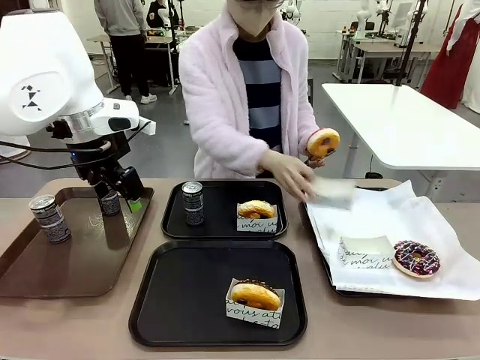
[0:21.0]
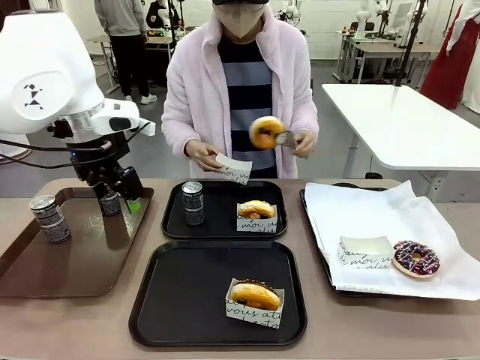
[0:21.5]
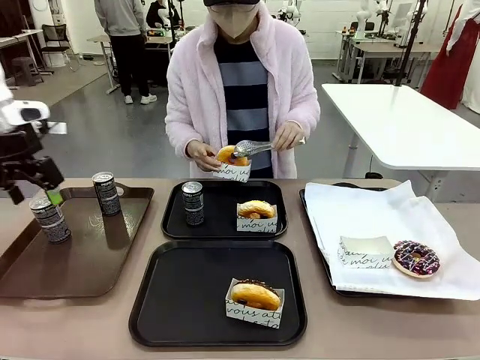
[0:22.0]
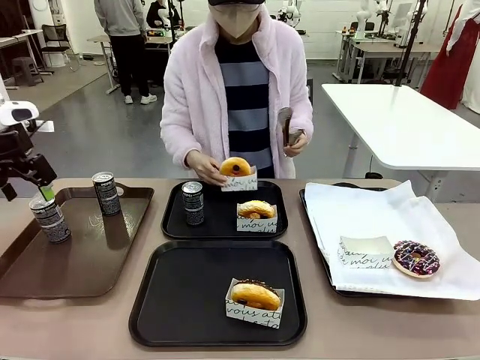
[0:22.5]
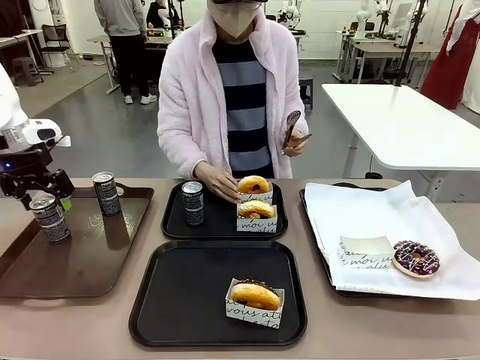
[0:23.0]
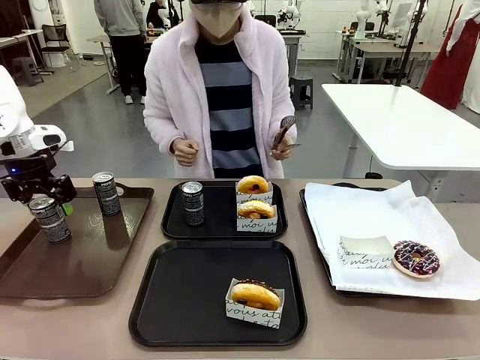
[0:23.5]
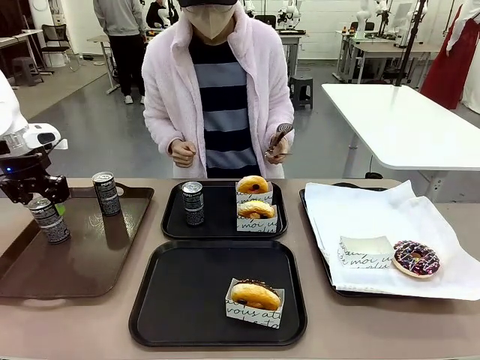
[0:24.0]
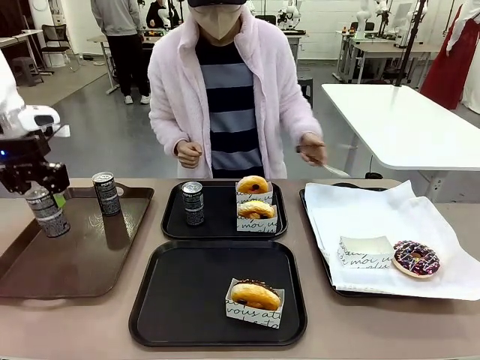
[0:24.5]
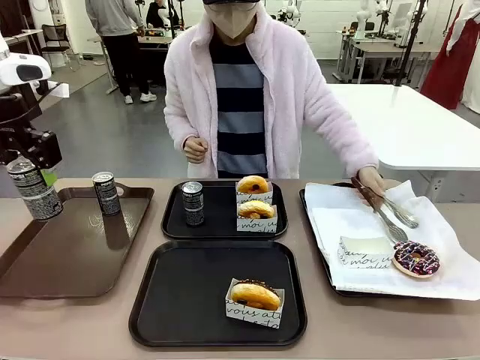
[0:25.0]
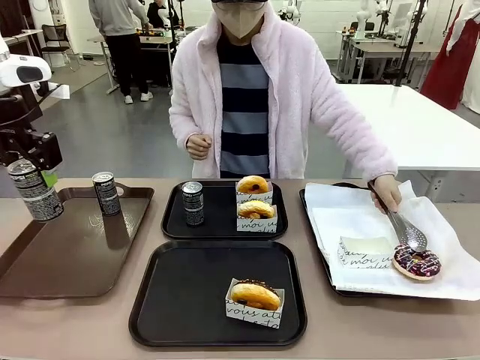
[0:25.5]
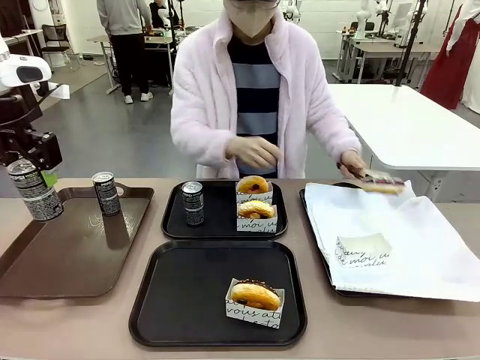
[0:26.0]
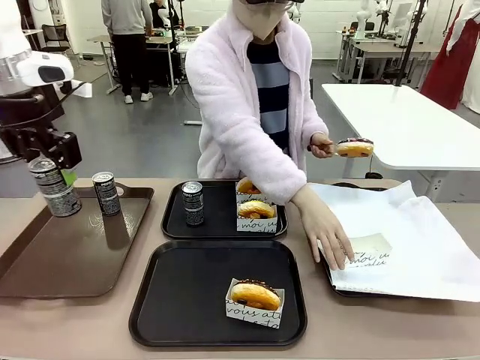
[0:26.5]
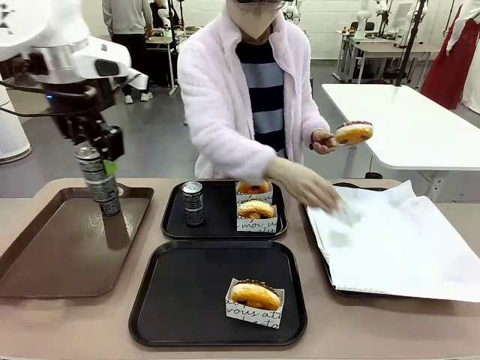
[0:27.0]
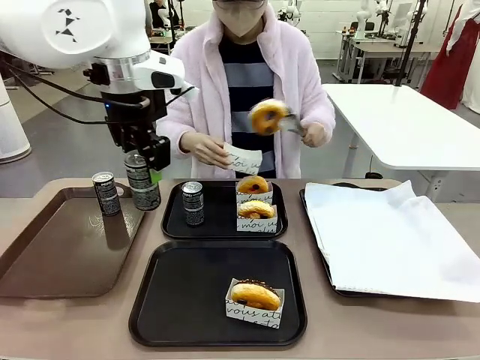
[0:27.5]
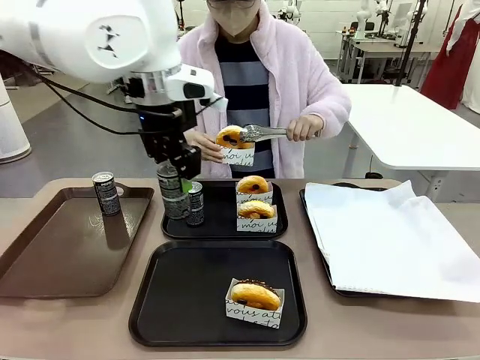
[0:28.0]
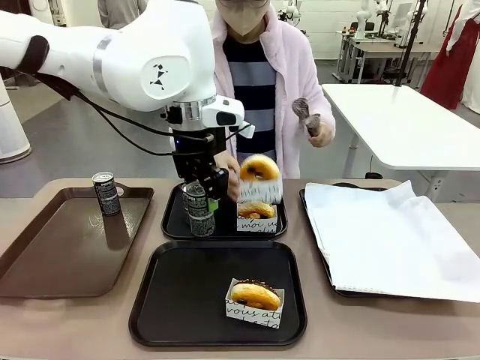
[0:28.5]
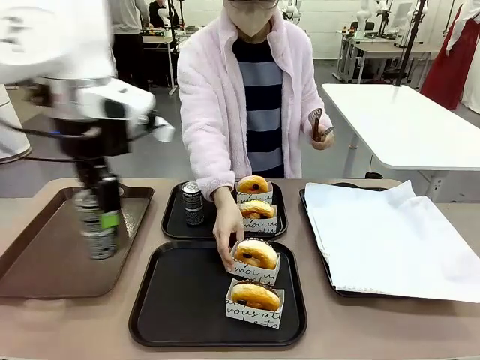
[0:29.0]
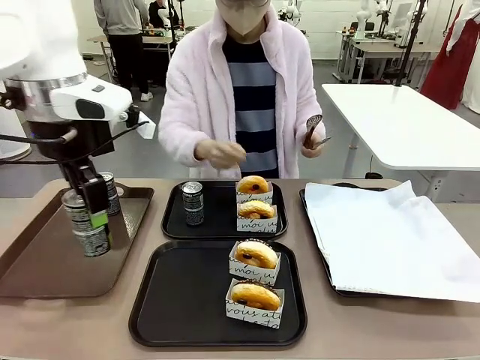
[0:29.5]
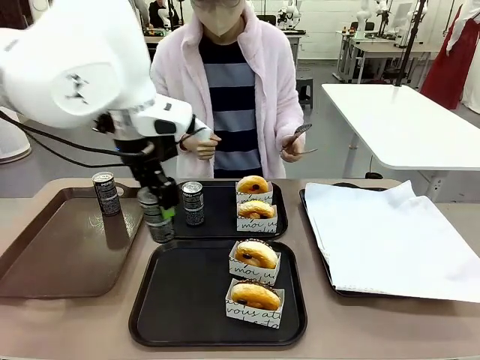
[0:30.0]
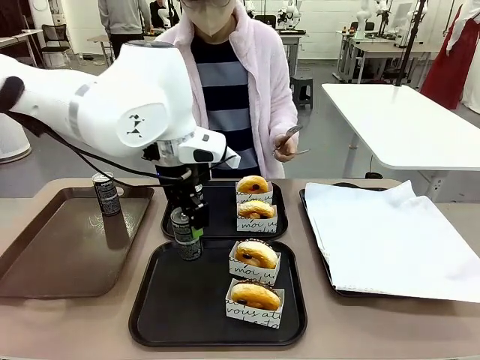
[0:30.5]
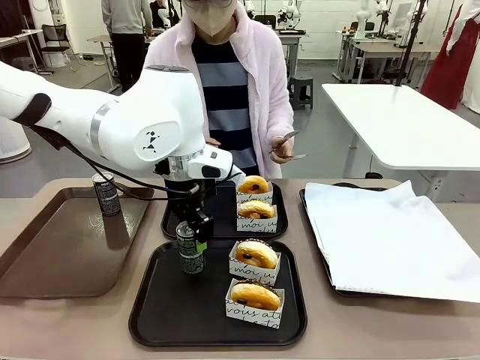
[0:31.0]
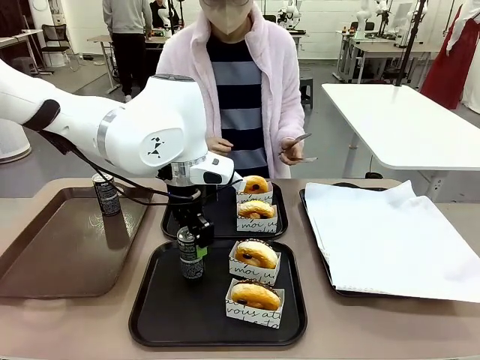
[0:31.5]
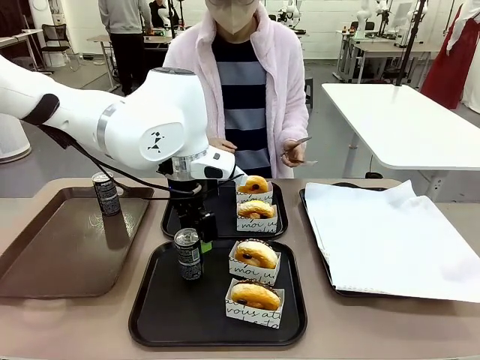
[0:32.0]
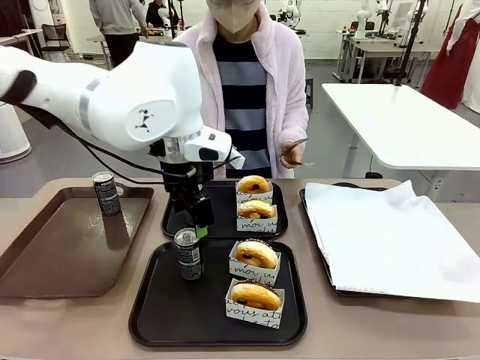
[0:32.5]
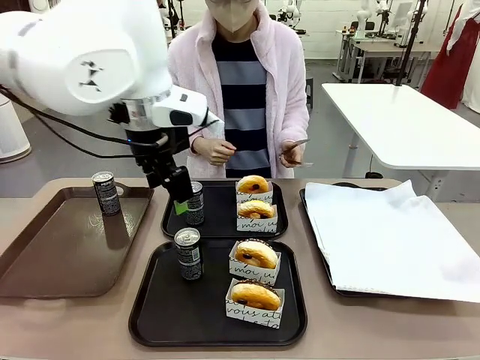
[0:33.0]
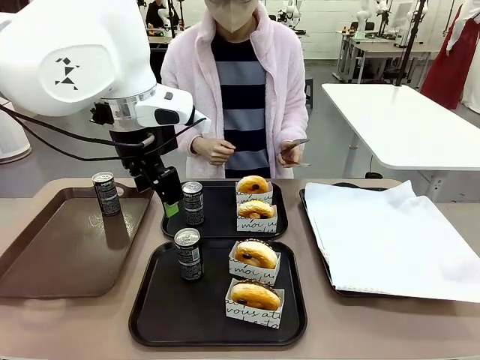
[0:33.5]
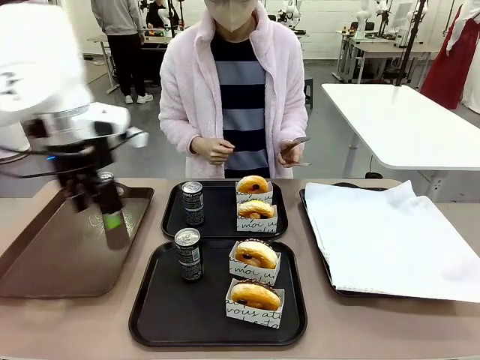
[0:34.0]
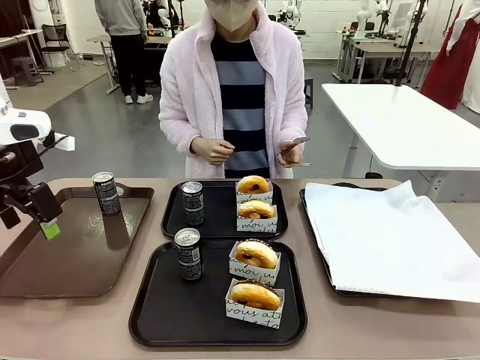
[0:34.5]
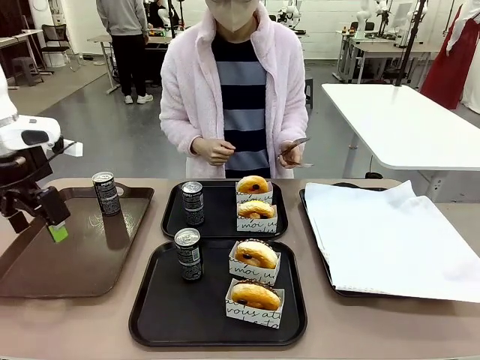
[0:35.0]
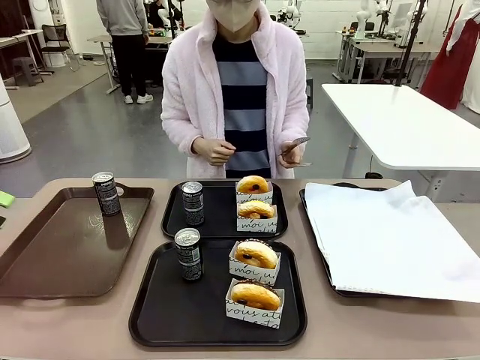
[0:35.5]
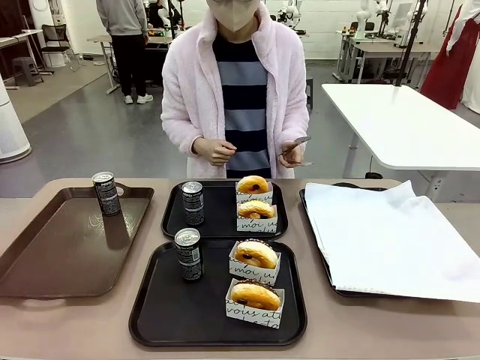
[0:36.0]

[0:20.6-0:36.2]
Task: Set up donuts and drinks on trays.
Robot: Pick up one Pepsi coke from the Handle tray and place it on the Flat Tray without a Pepsi coke.

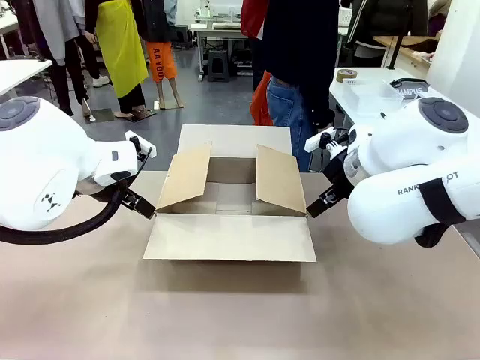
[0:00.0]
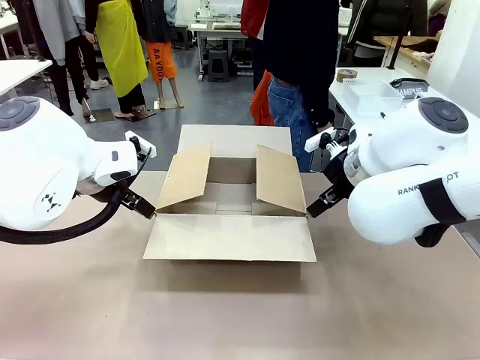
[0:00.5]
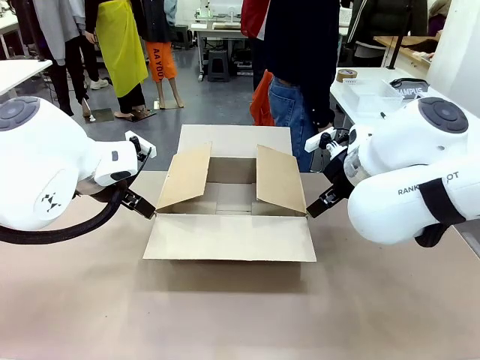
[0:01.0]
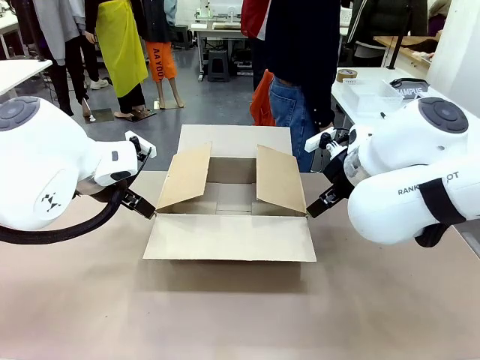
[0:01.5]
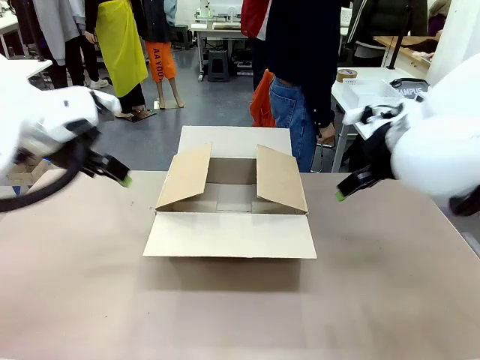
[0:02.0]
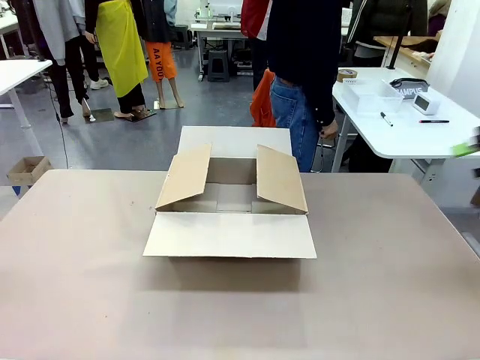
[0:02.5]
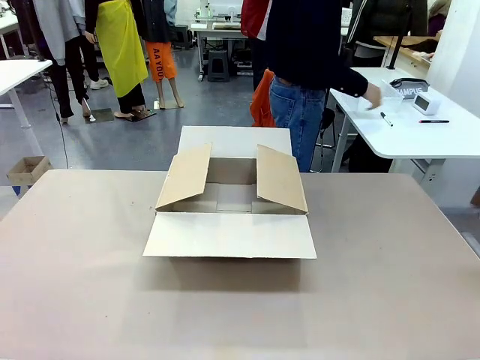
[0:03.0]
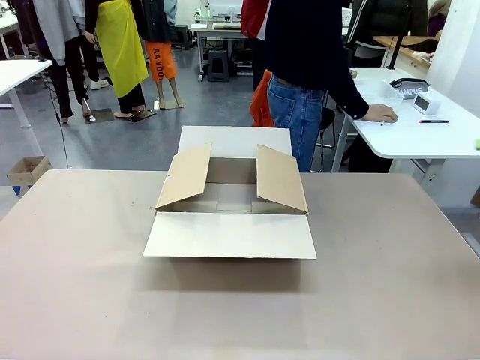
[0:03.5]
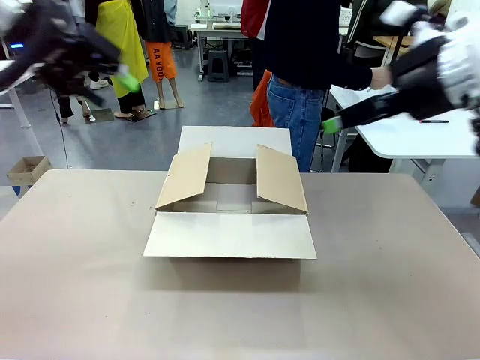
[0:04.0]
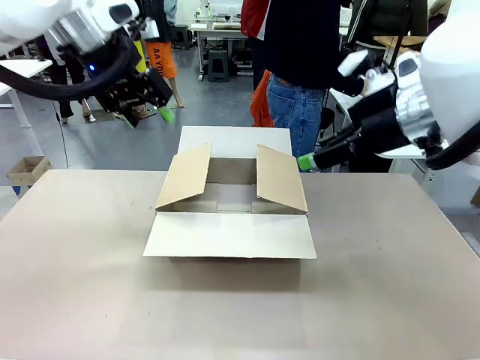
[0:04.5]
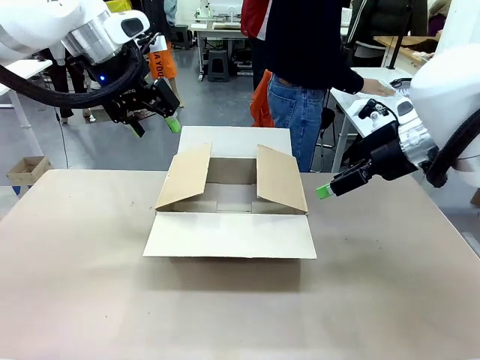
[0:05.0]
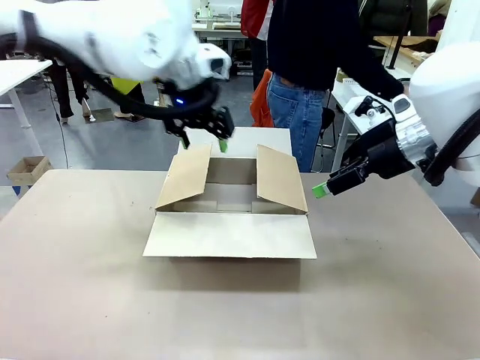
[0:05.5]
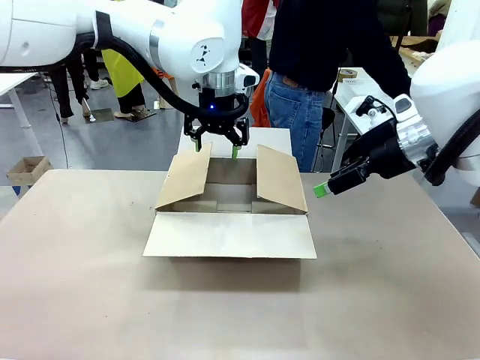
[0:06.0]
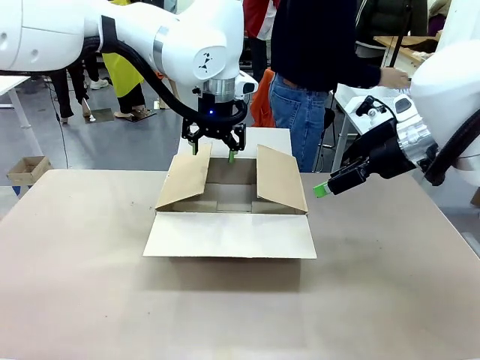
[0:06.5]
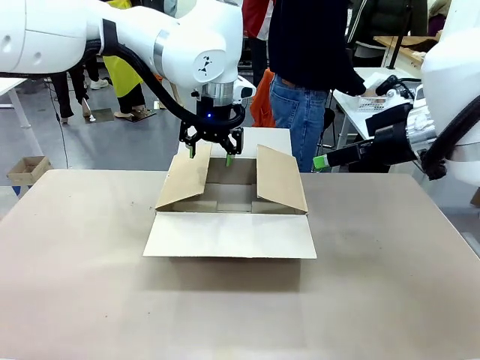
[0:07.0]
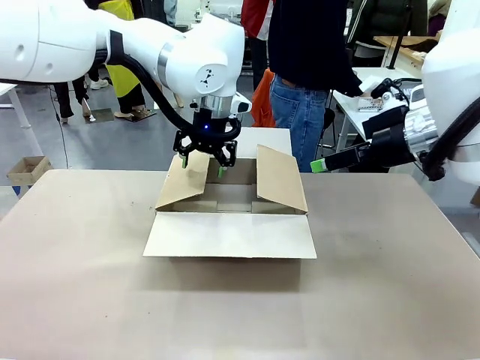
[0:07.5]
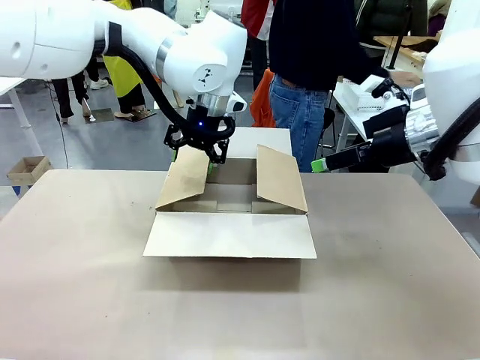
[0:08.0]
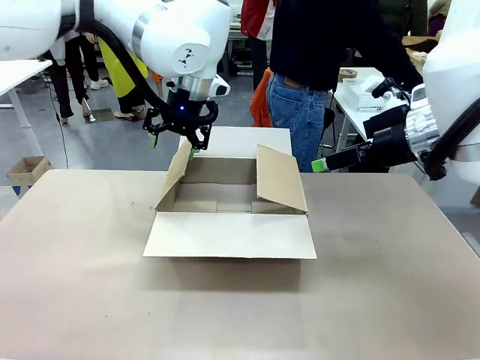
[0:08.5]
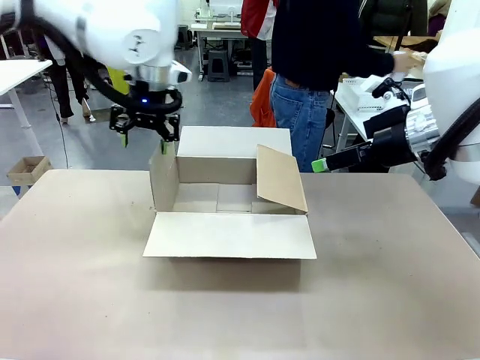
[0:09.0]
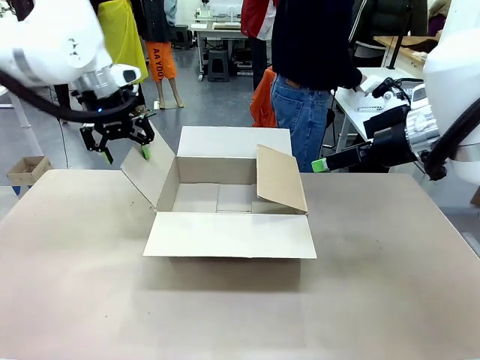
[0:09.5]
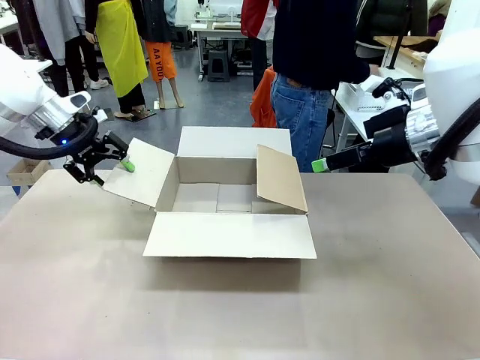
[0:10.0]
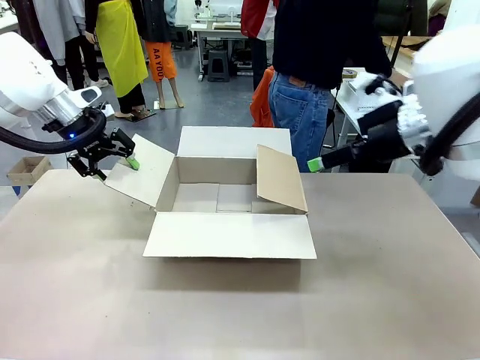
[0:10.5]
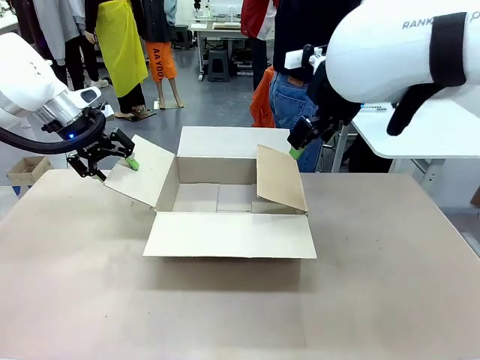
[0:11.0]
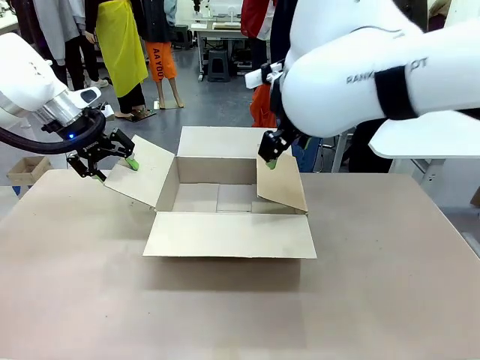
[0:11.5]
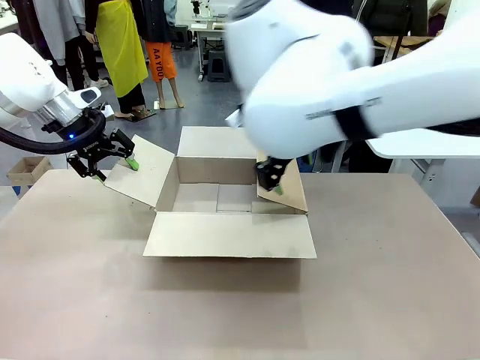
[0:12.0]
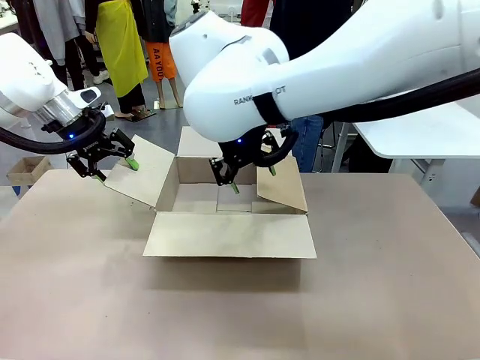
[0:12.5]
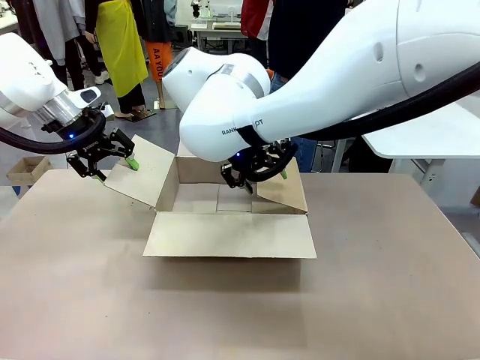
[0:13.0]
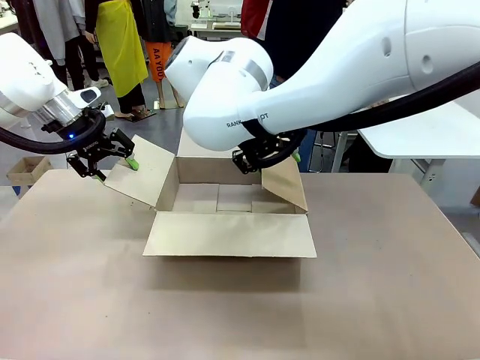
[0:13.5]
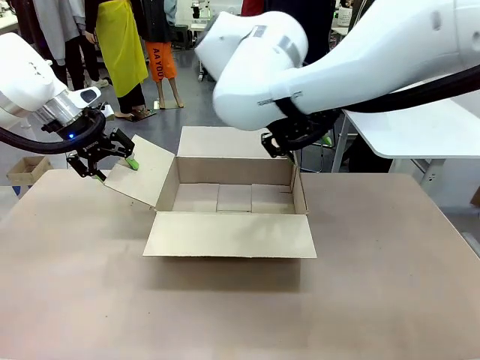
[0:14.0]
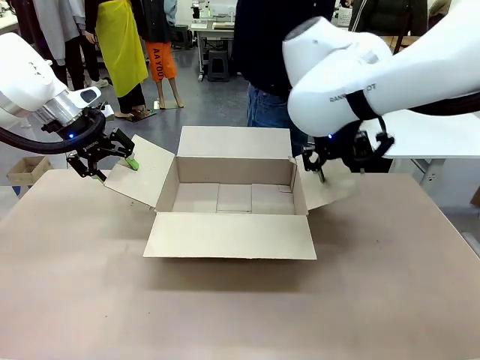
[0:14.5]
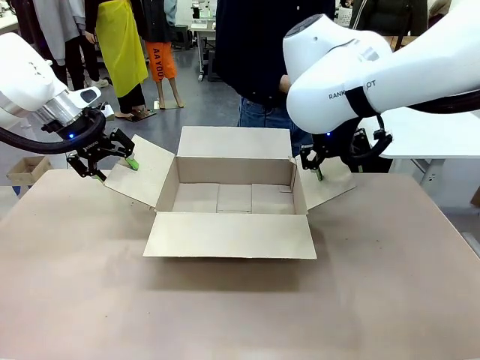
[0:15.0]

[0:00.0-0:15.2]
Task: Pack the gift set into the box.
Robot: Place both hands on the side flaps of the Package Box and spread them outward.
Person: The human places all items except the paper tape into the organizing basket.
